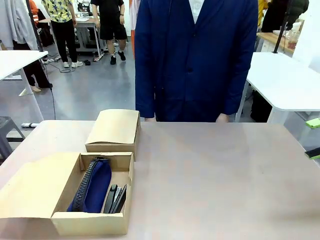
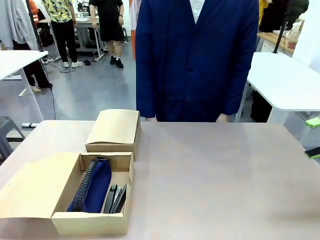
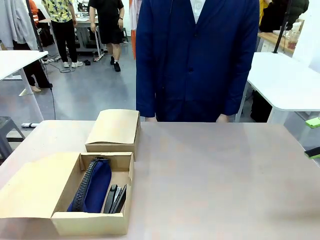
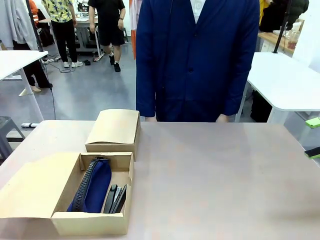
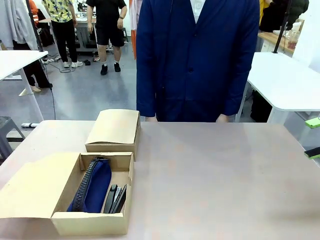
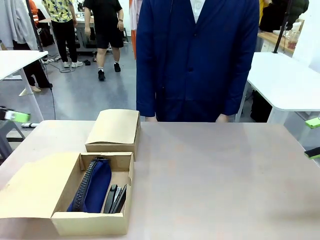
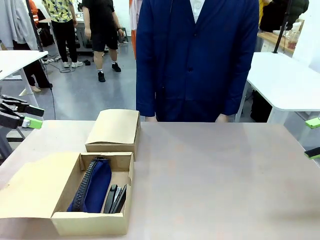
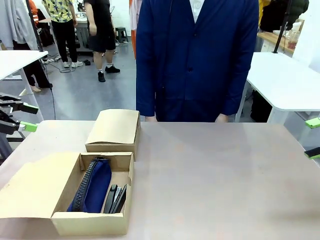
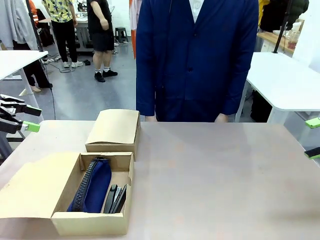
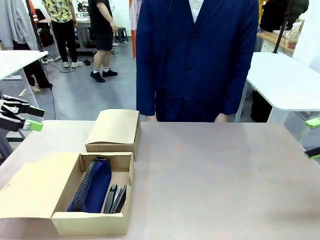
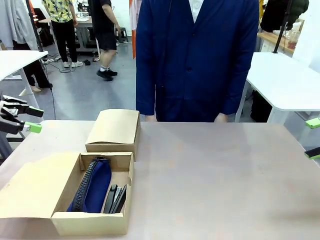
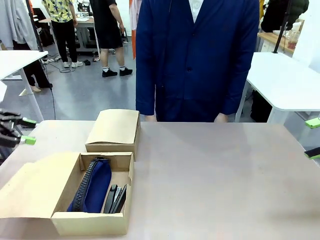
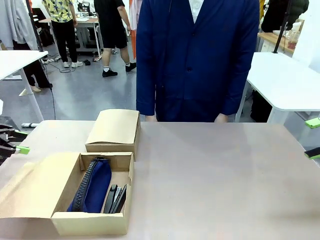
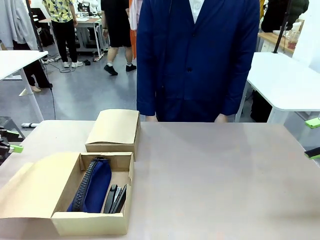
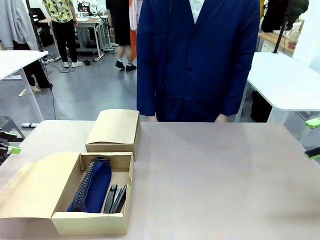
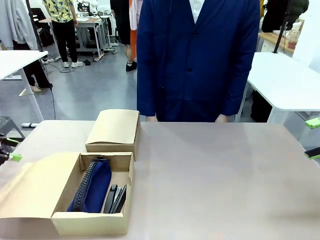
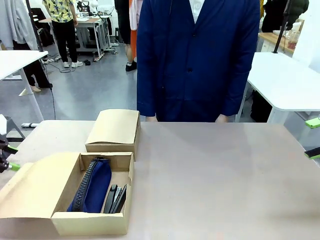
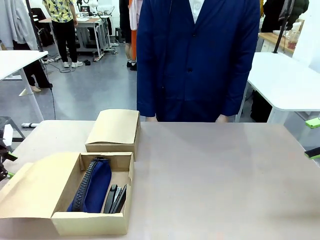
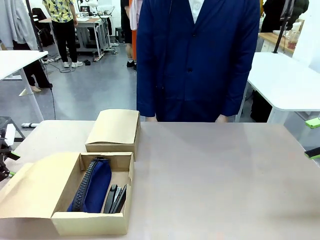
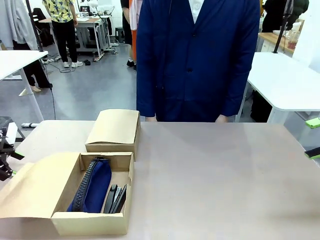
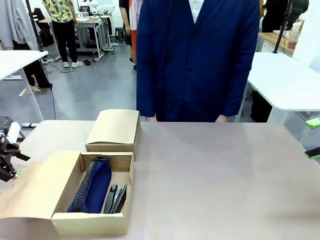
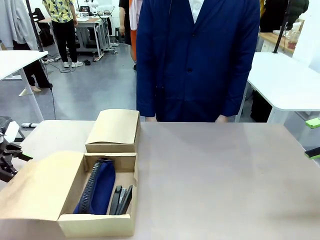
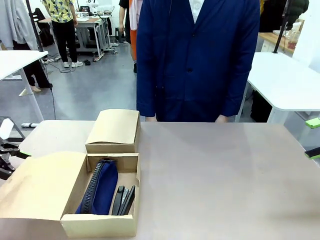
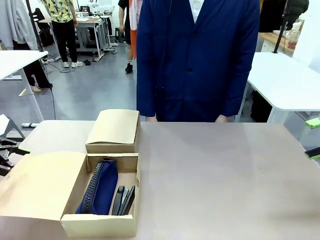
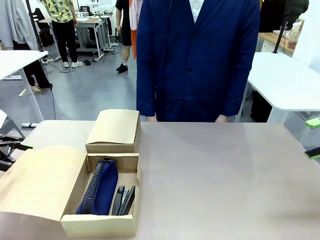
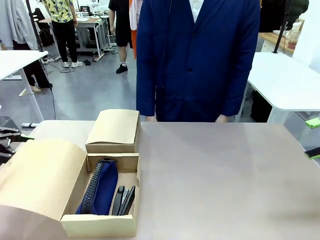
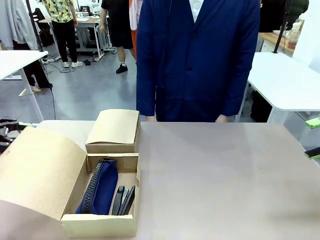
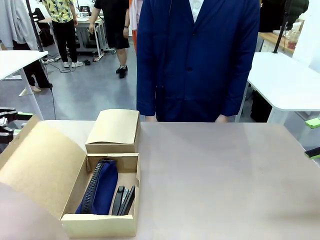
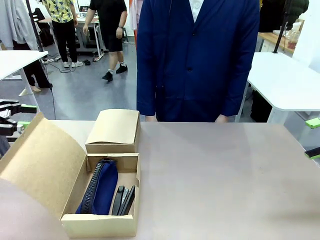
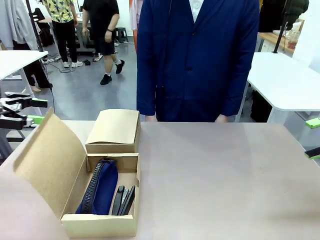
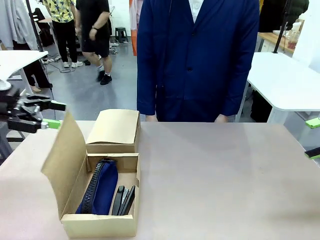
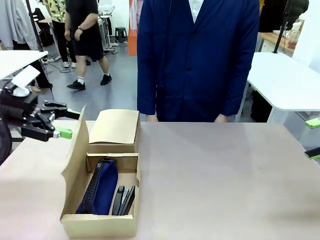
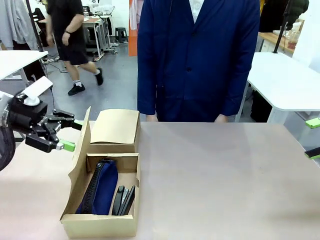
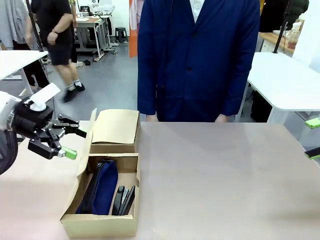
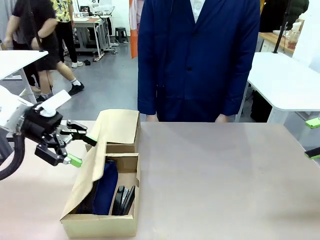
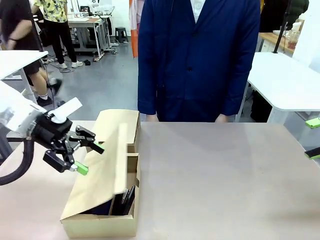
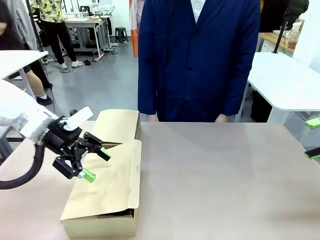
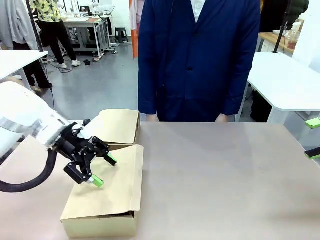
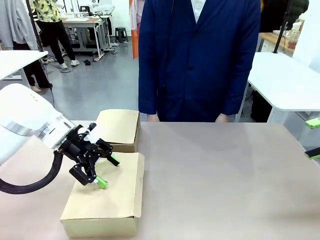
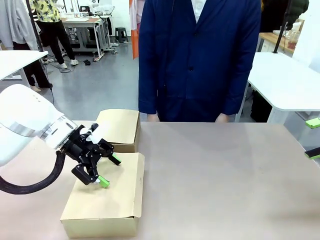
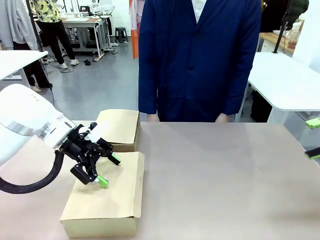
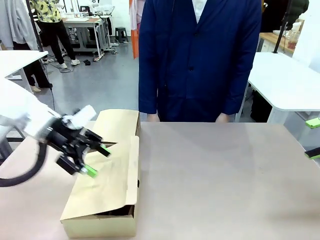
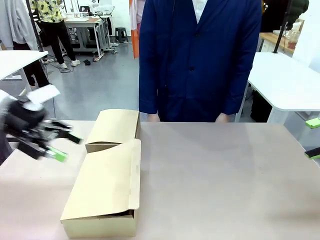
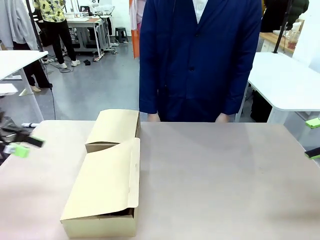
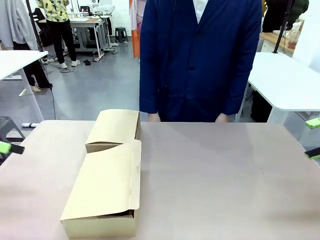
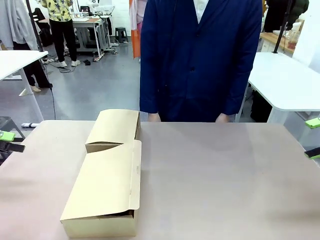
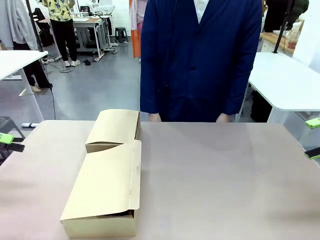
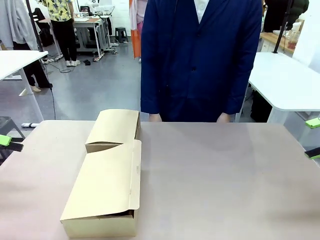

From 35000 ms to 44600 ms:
Task: Place items inside the box.
Robot: Close the lid of the Mailer Box closest to the robot.
Person: Close the lid of the box facing the person.
